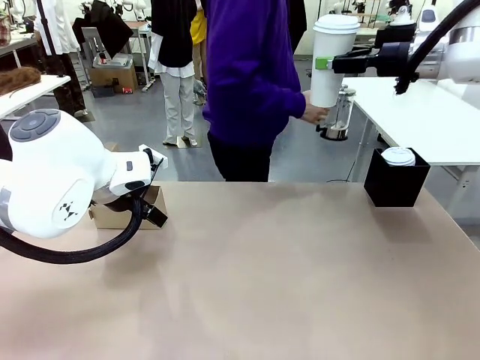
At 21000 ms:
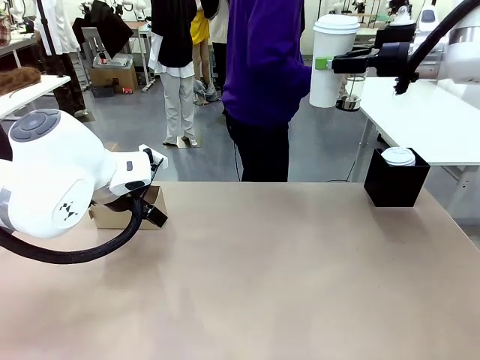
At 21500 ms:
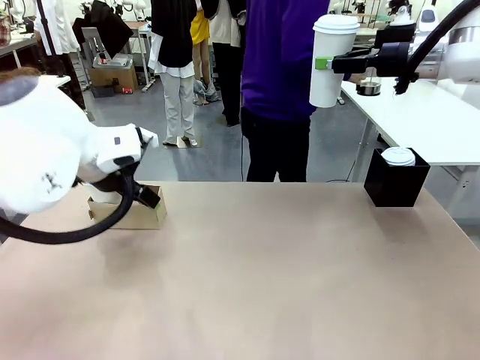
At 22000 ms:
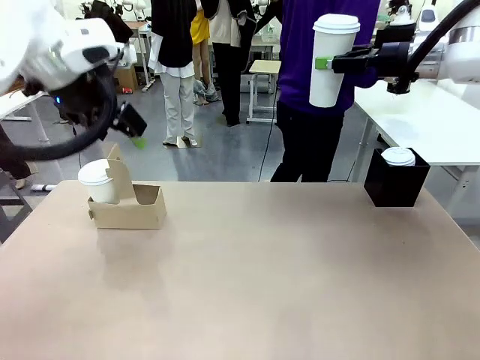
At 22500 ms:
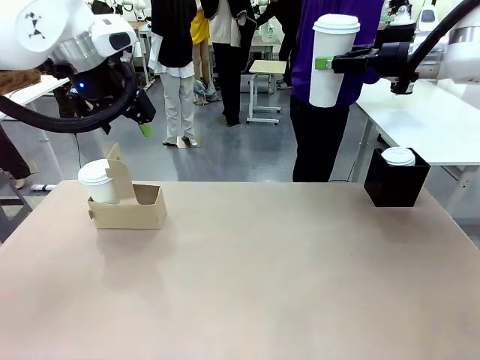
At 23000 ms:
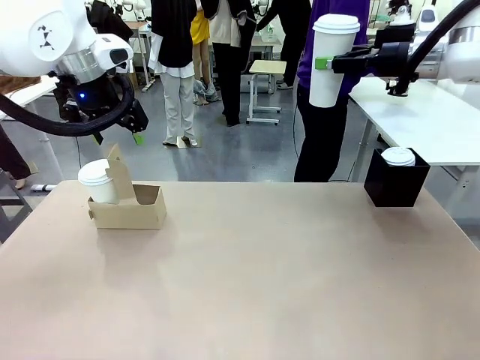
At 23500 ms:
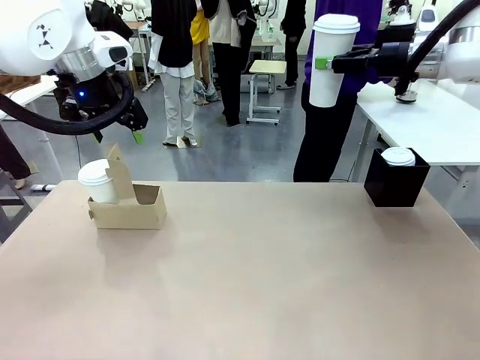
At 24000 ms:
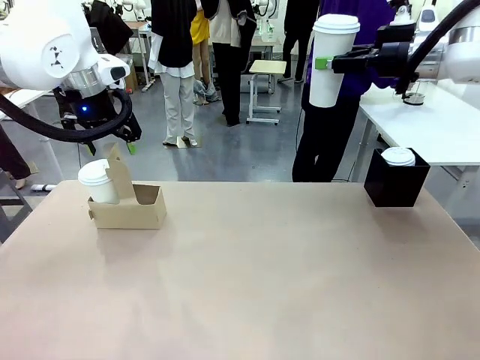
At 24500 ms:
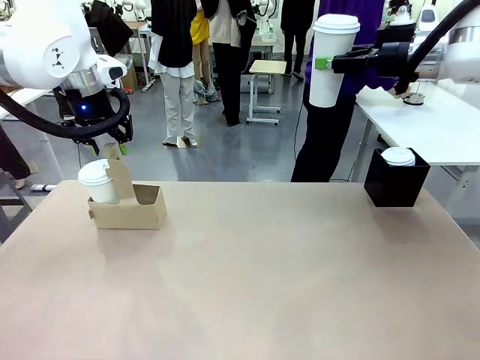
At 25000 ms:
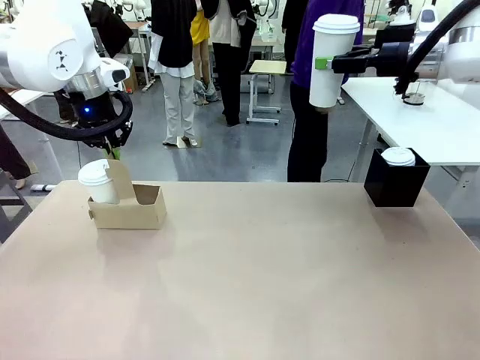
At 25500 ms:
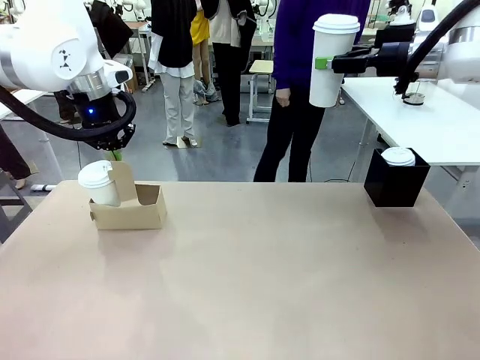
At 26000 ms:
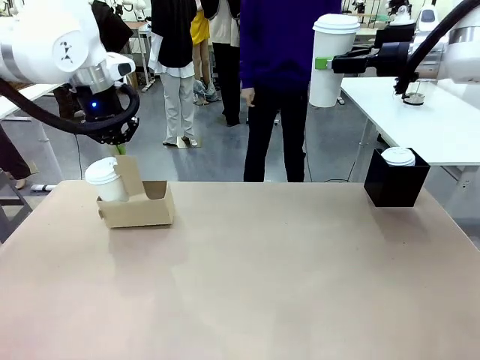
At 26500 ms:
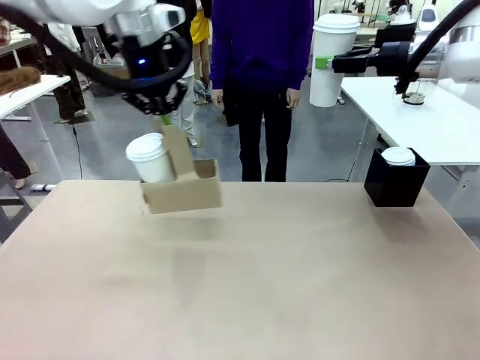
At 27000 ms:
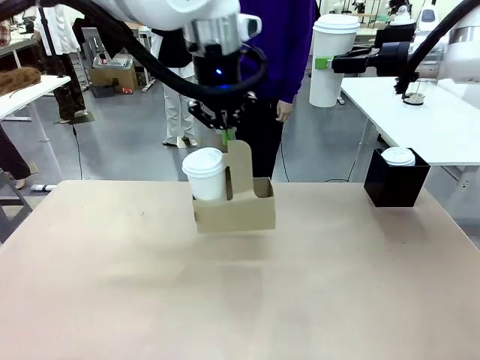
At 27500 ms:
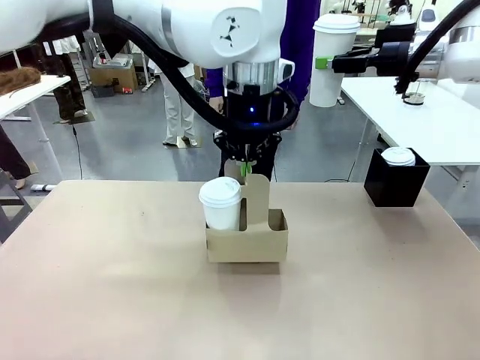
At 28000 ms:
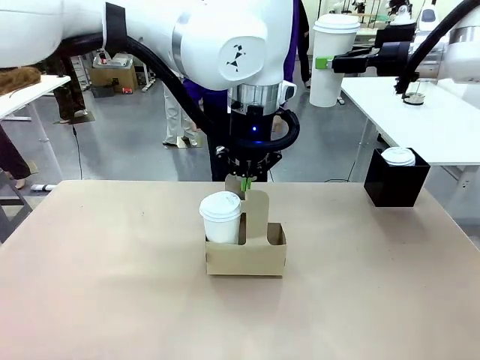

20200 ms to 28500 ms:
Task: Pour a drink into a cup and package it in a carrier.
Robot: Position the Cup Carrier in the center of the table.
Person: Pick up the Filter Brewing and place on the middle of Human table, and return to the Robot table.

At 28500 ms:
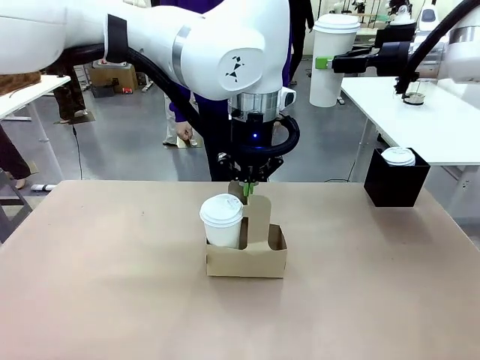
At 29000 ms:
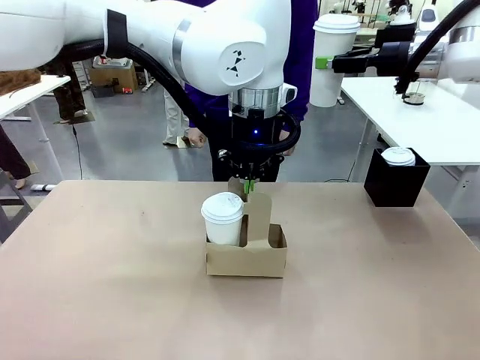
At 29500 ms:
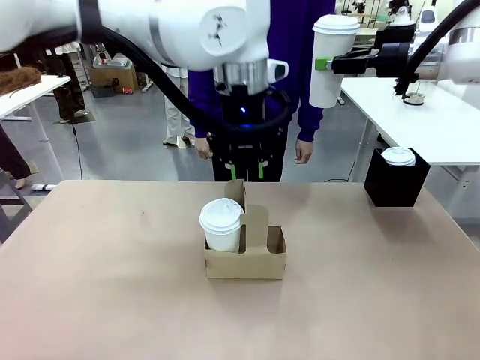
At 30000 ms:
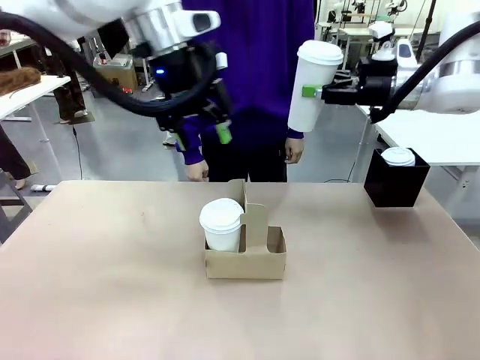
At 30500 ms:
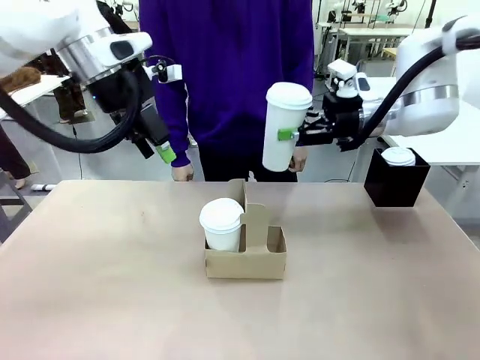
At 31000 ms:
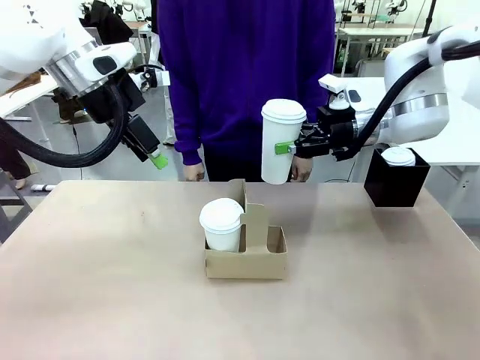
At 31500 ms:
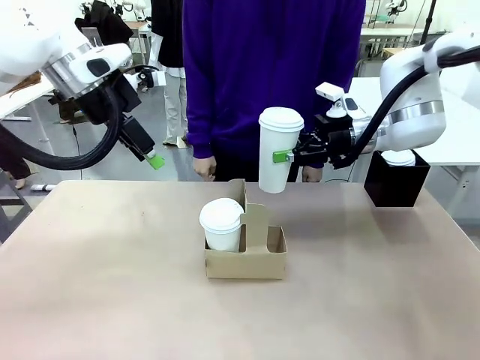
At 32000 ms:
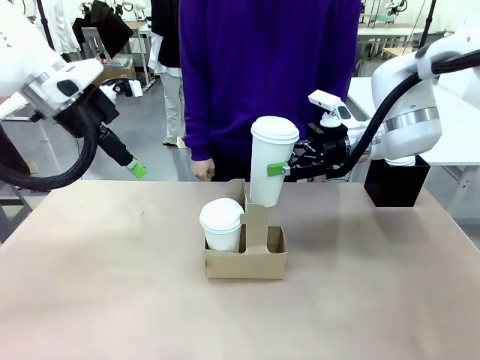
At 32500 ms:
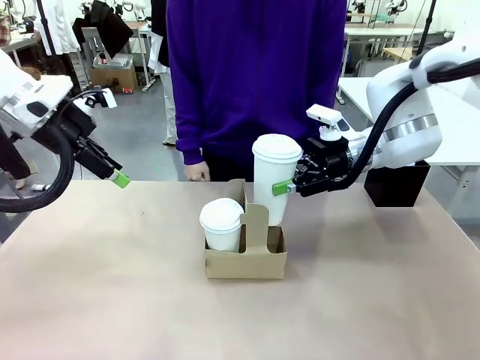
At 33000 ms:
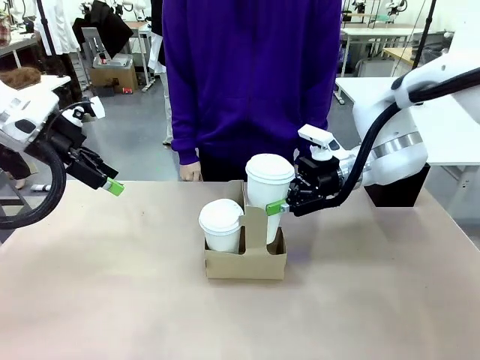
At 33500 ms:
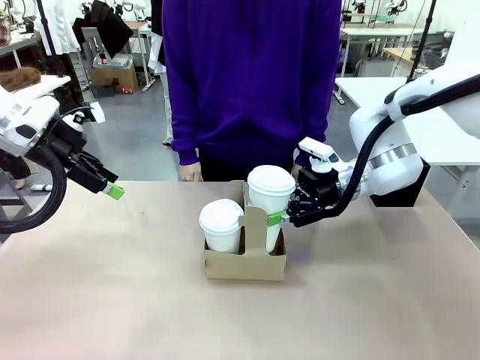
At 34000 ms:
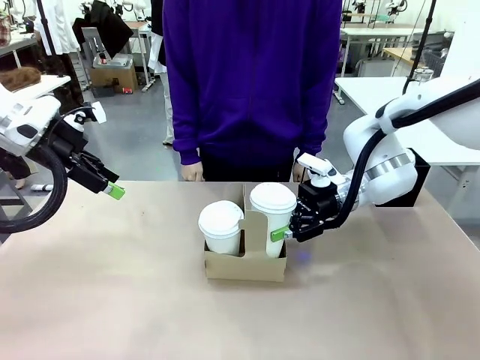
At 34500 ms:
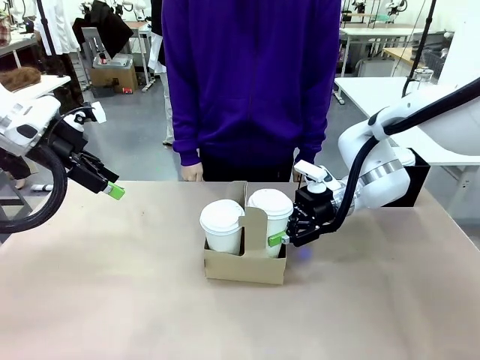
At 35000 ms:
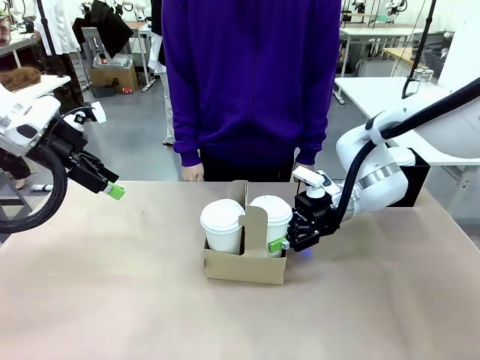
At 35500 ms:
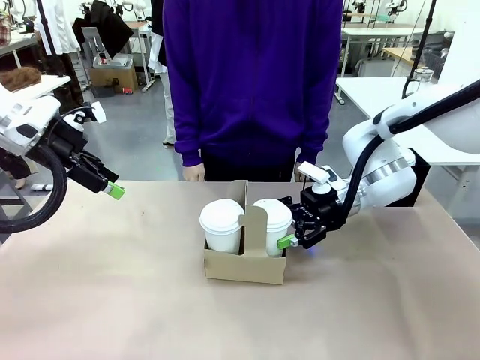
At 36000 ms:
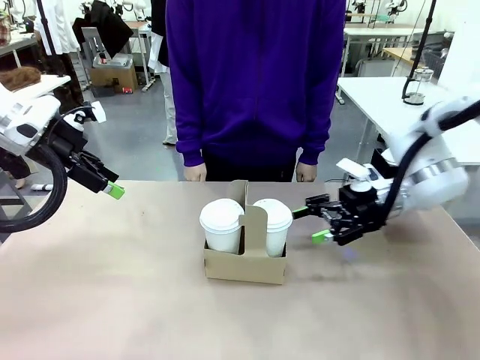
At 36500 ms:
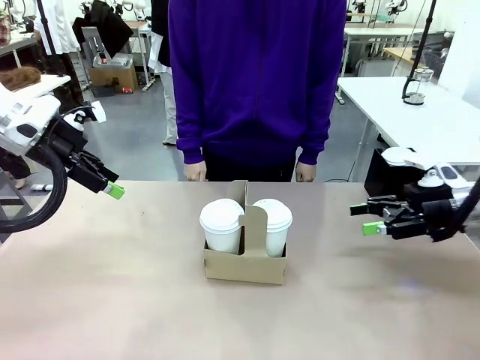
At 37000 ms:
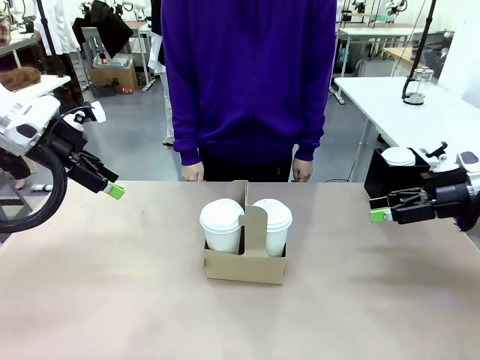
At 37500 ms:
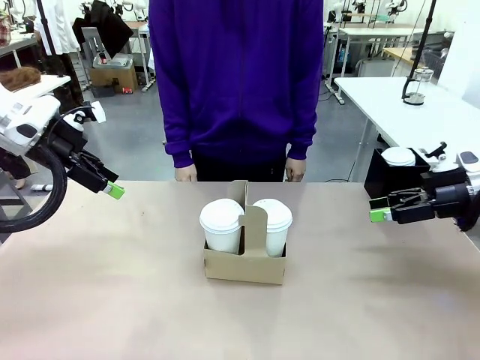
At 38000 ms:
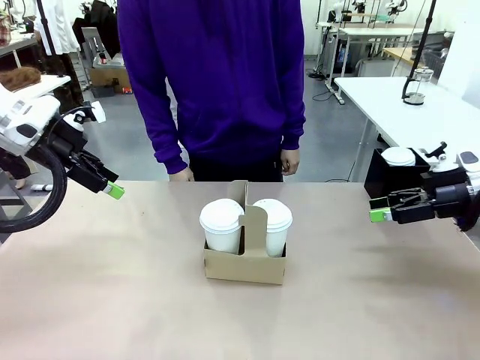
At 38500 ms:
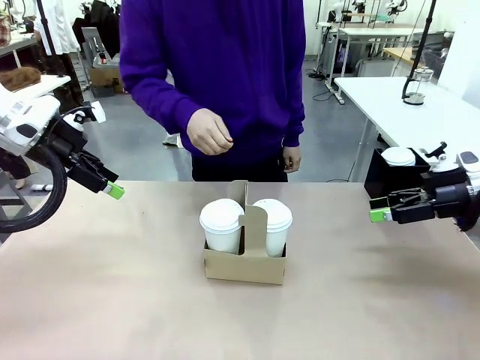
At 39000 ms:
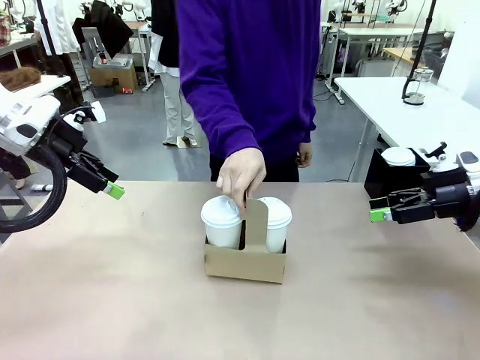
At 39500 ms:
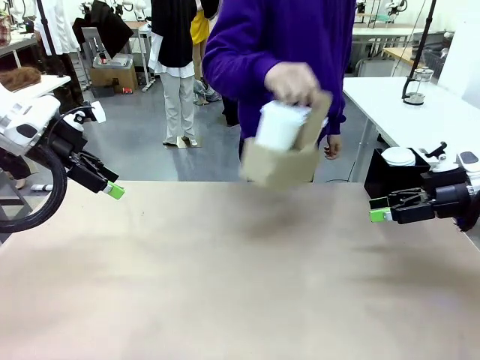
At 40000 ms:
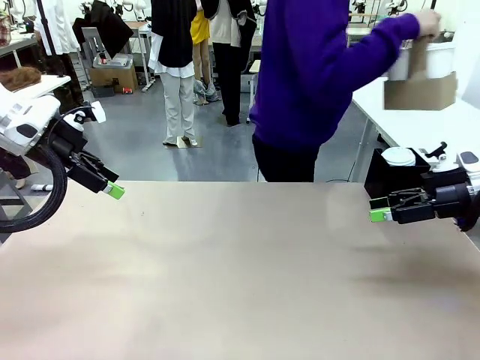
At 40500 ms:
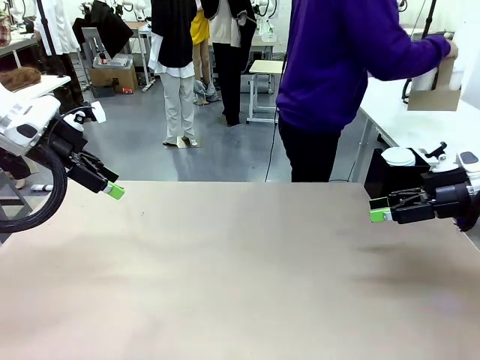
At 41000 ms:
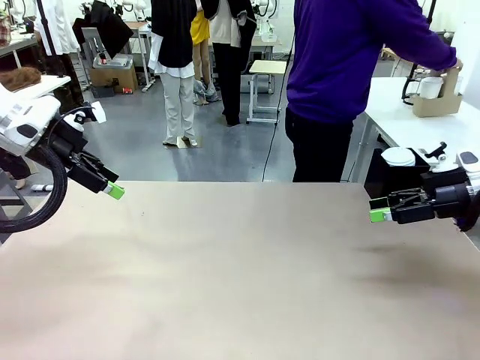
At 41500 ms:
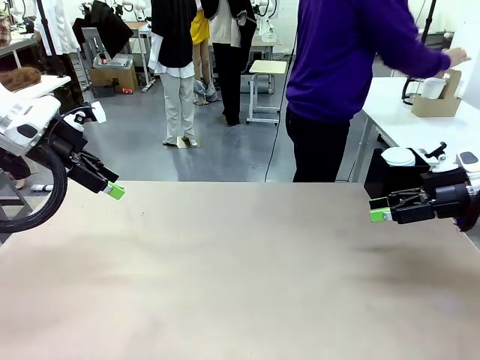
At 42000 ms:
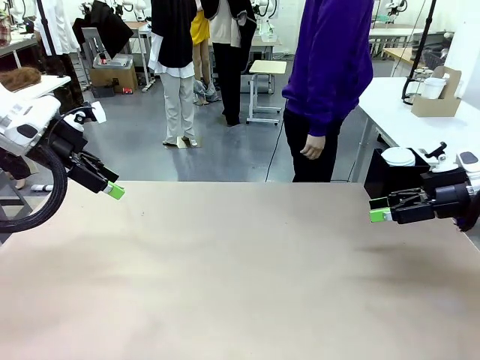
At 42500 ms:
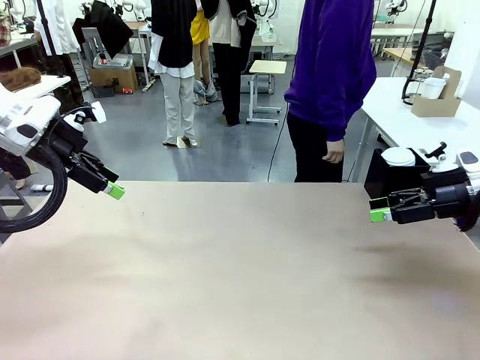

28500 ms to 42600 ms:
Robot: Insert the held 600 ml Paper Cup into the Cup Carrier.
Person: Place the Cup Carrier to the middle of Human table.

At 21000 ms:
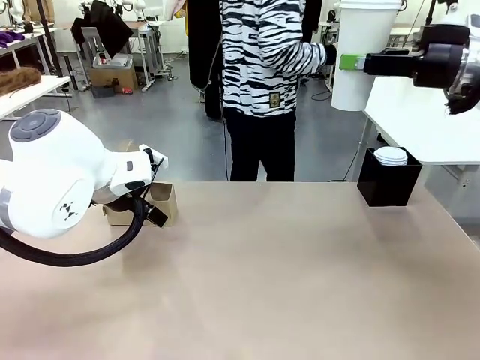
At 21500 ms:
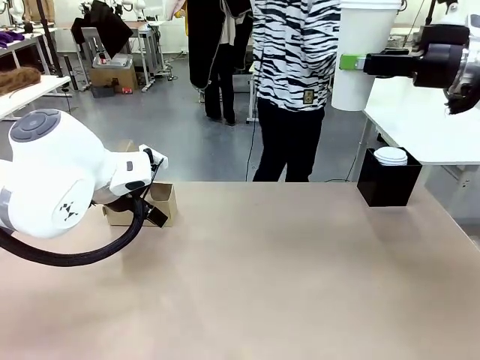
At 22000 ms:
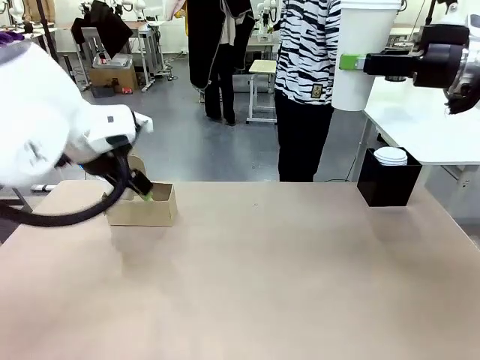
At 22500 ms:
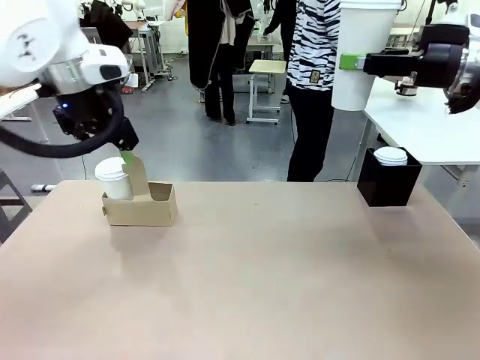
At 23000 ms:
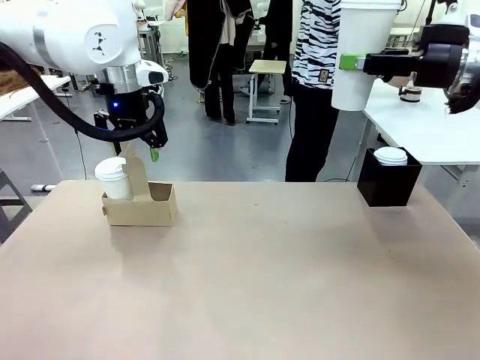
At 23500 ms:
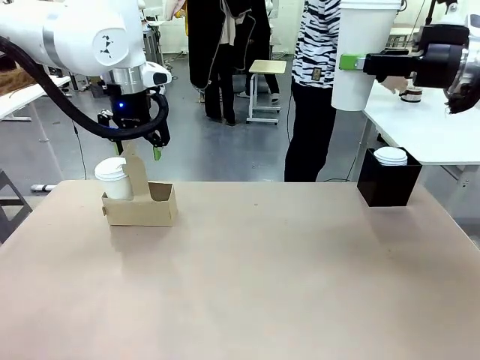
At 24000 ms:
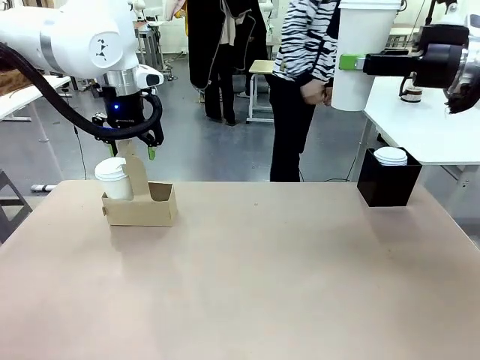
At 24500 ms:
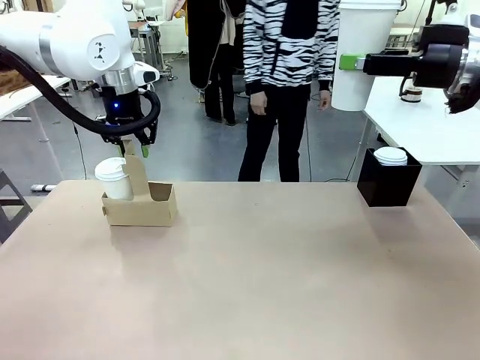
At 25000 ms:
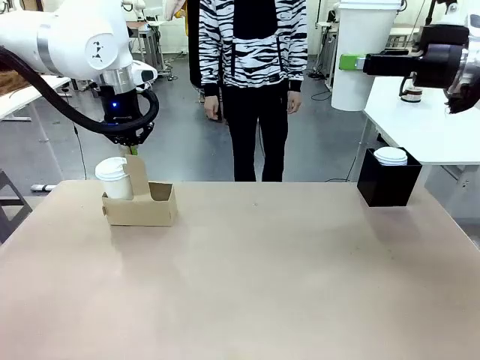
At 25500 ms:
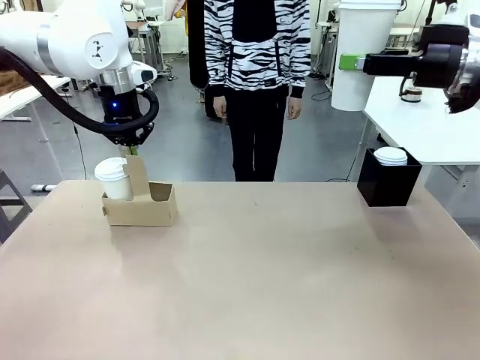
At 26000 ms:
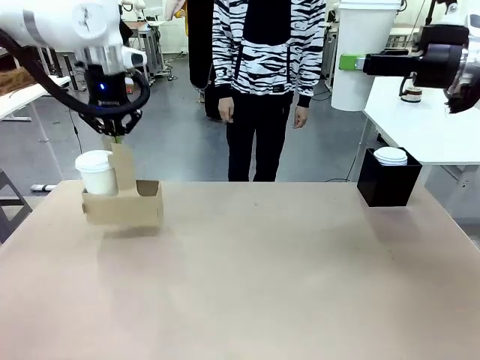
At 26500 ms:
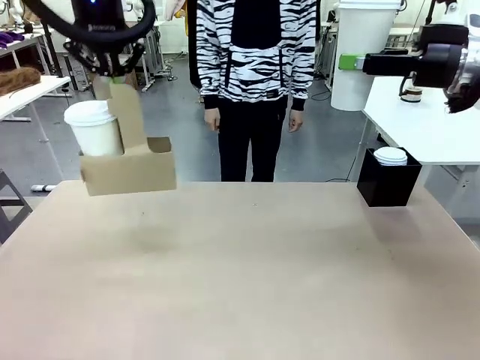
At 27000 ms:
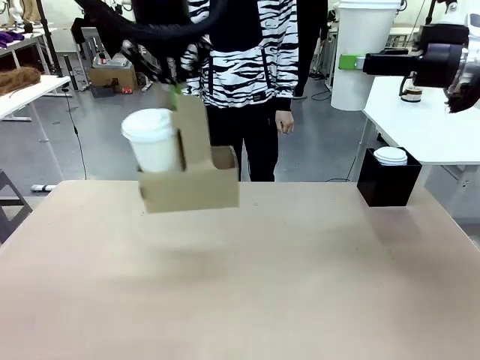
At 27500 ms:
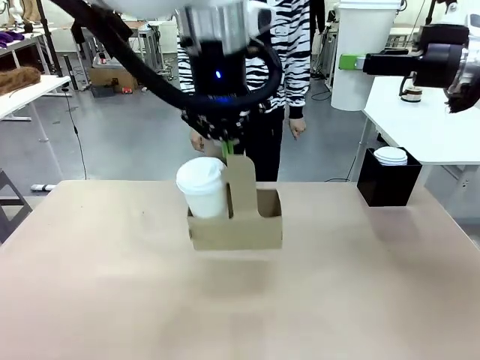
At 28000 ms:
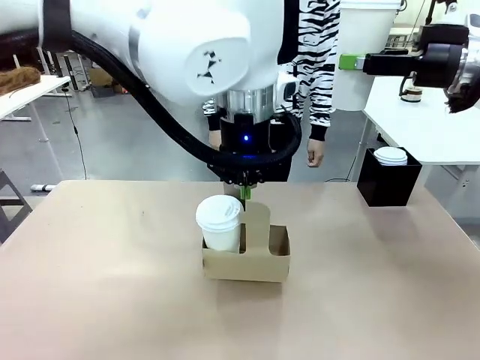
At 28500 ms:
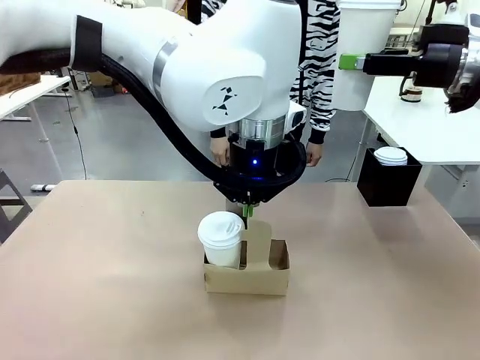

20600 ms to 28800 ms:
Task: Pour a drink into a cup and package it in a carrier.
Robot: Position the Cup Carrier in the center of the table.
Person: Pick up the Filter Brewing and place on the middle of Human table, and return to the Robot table.
